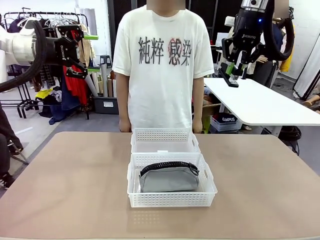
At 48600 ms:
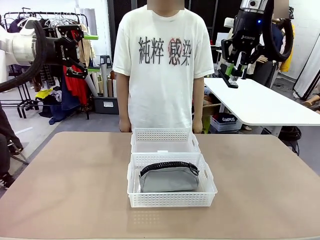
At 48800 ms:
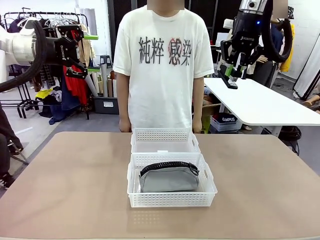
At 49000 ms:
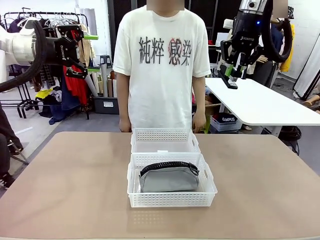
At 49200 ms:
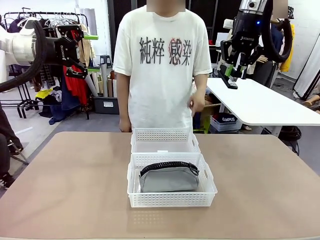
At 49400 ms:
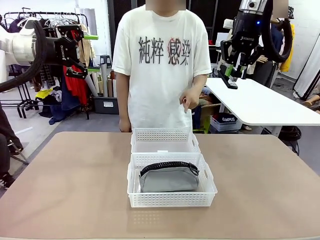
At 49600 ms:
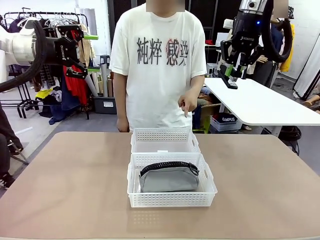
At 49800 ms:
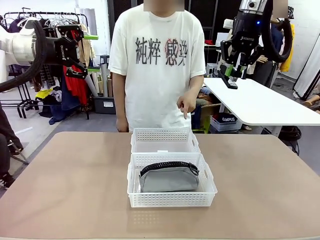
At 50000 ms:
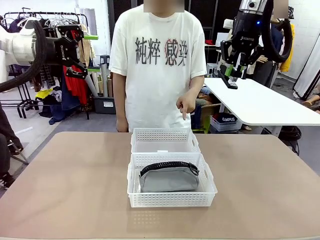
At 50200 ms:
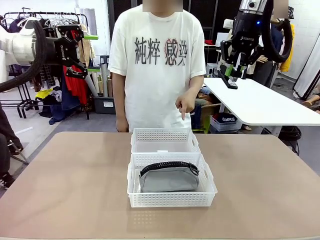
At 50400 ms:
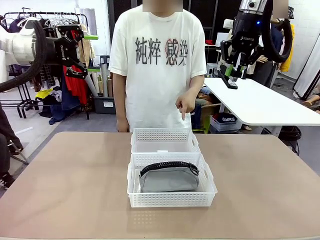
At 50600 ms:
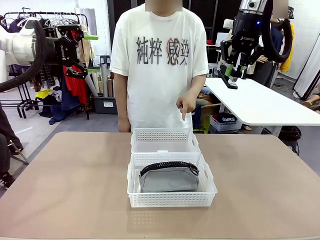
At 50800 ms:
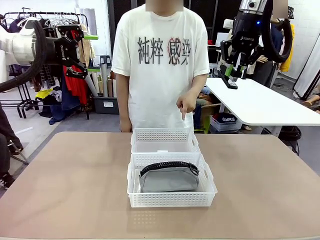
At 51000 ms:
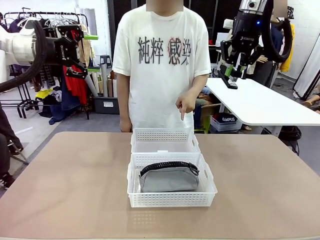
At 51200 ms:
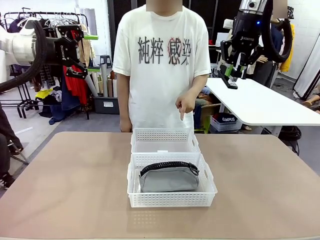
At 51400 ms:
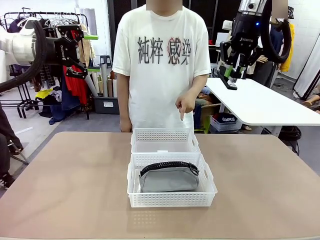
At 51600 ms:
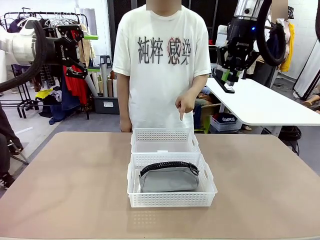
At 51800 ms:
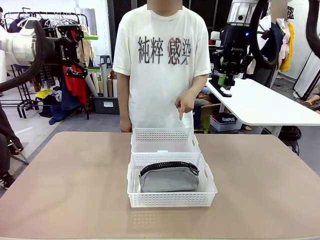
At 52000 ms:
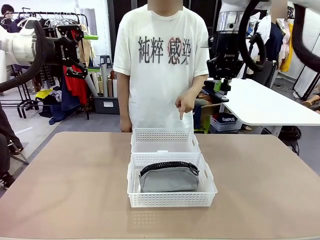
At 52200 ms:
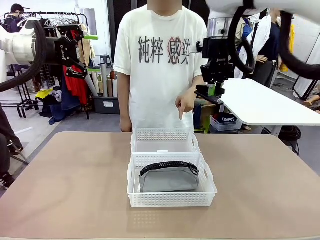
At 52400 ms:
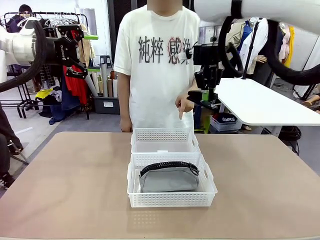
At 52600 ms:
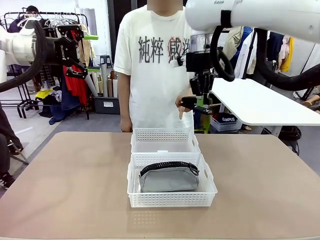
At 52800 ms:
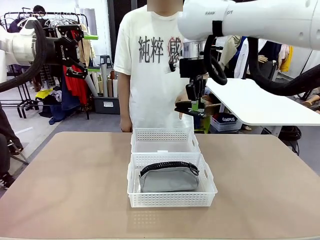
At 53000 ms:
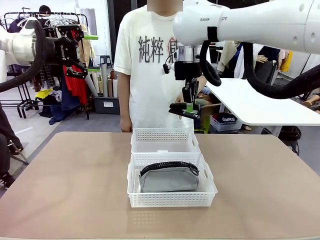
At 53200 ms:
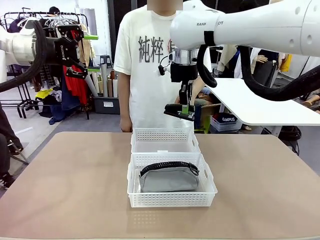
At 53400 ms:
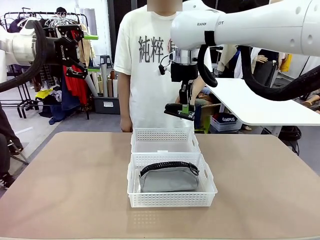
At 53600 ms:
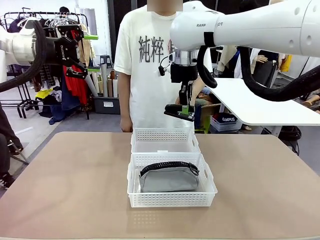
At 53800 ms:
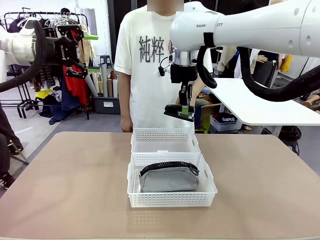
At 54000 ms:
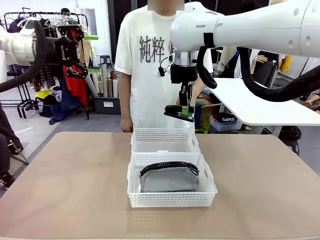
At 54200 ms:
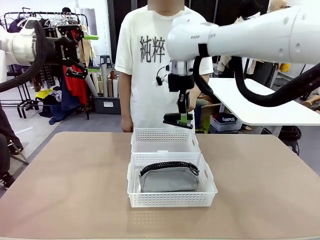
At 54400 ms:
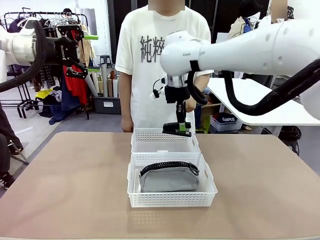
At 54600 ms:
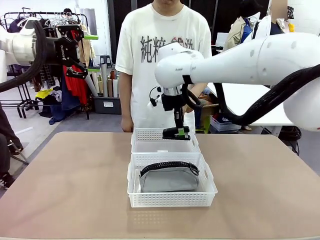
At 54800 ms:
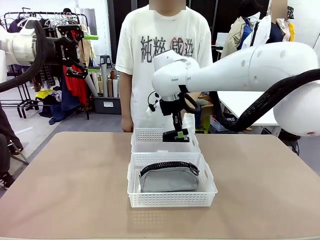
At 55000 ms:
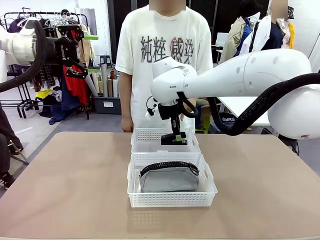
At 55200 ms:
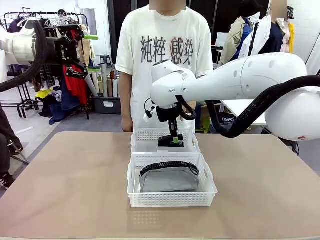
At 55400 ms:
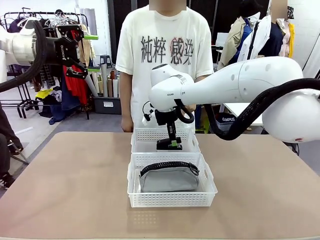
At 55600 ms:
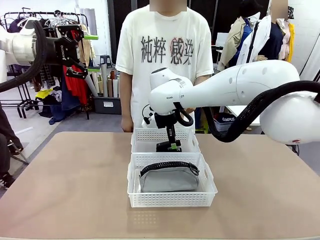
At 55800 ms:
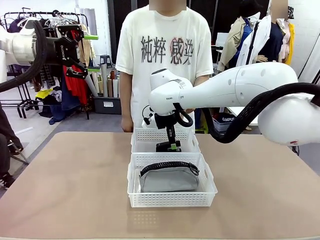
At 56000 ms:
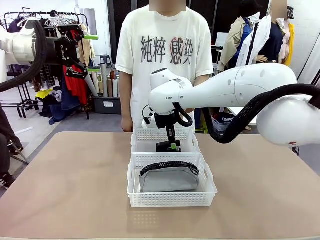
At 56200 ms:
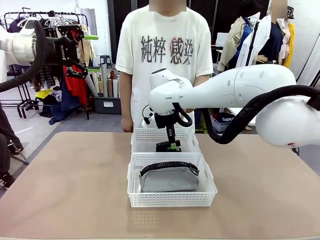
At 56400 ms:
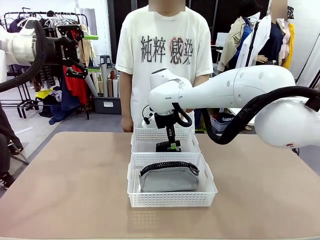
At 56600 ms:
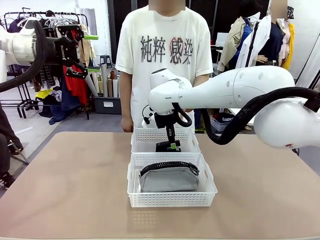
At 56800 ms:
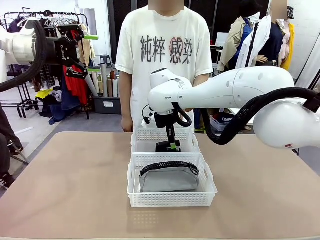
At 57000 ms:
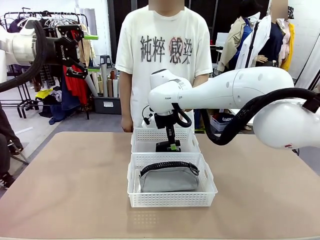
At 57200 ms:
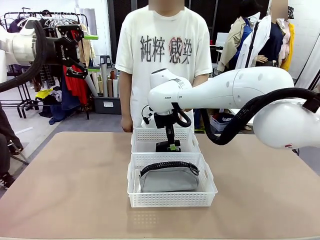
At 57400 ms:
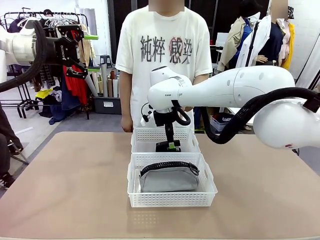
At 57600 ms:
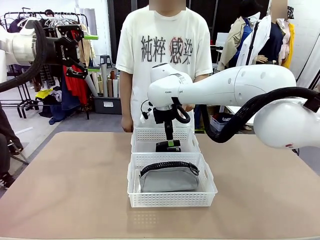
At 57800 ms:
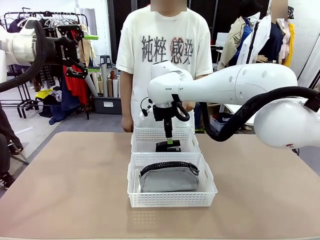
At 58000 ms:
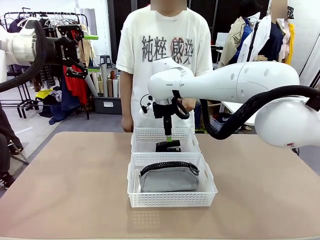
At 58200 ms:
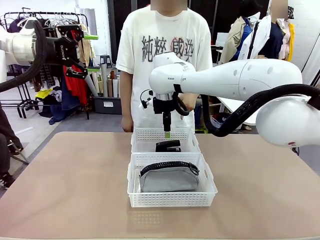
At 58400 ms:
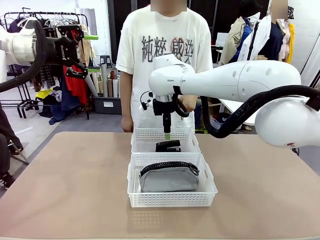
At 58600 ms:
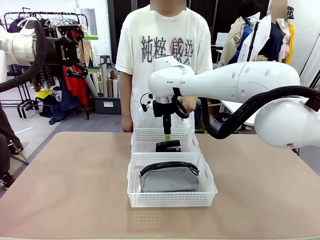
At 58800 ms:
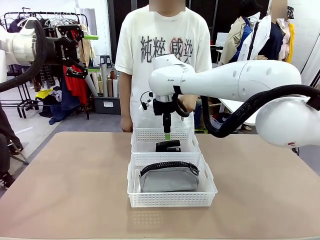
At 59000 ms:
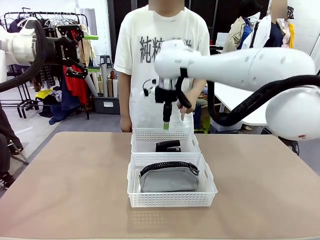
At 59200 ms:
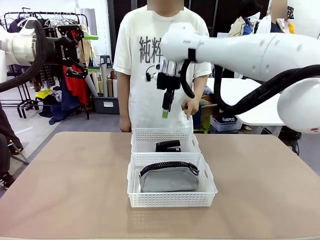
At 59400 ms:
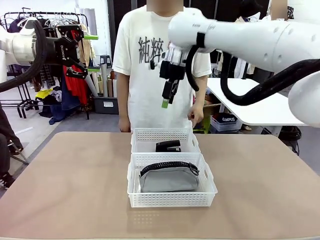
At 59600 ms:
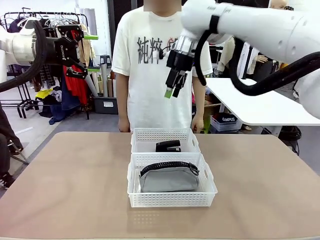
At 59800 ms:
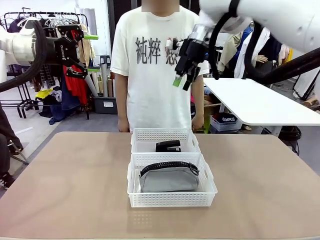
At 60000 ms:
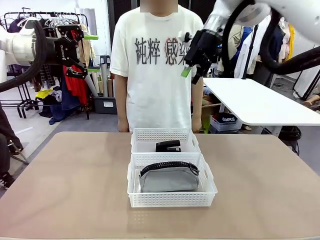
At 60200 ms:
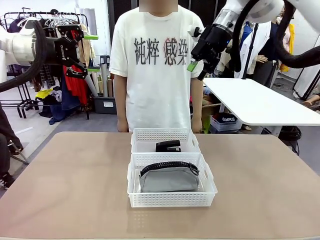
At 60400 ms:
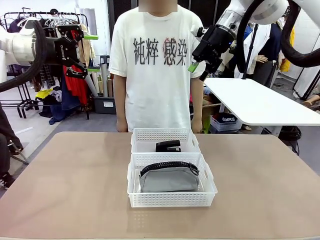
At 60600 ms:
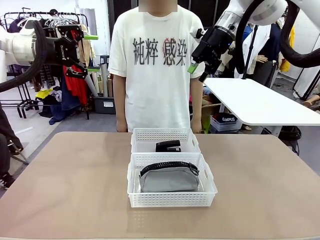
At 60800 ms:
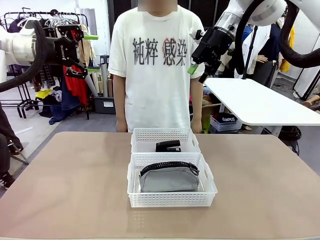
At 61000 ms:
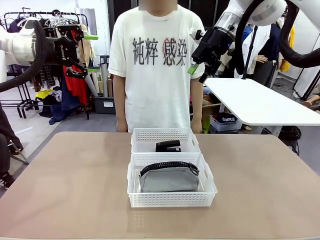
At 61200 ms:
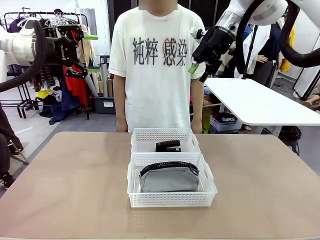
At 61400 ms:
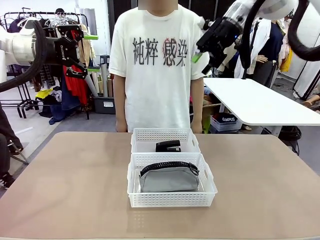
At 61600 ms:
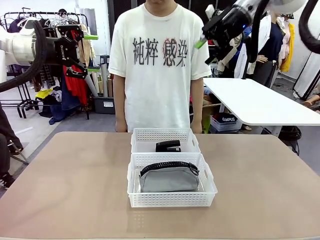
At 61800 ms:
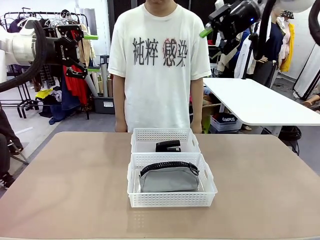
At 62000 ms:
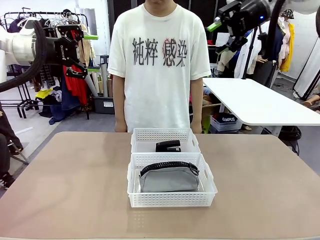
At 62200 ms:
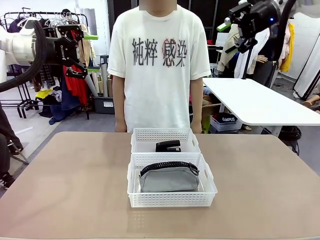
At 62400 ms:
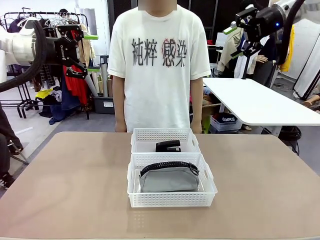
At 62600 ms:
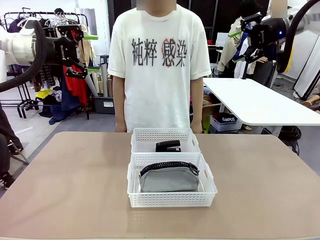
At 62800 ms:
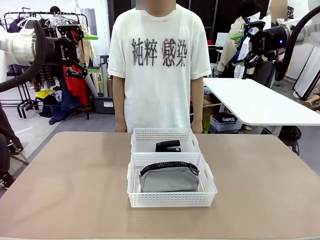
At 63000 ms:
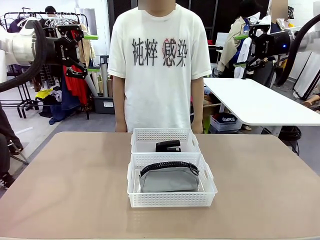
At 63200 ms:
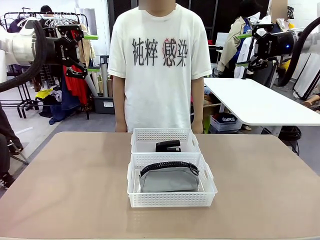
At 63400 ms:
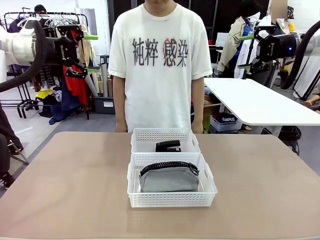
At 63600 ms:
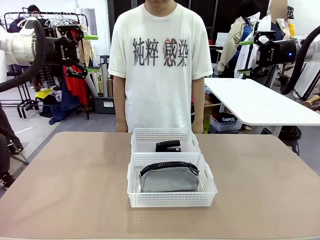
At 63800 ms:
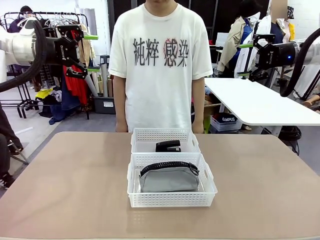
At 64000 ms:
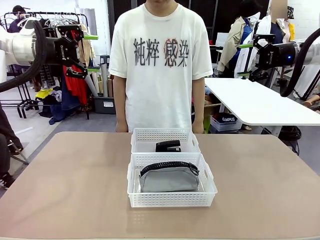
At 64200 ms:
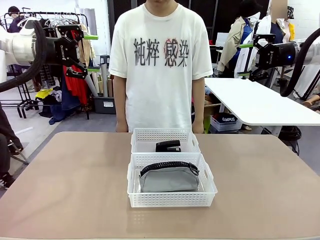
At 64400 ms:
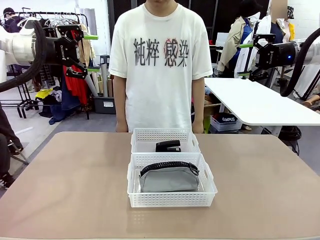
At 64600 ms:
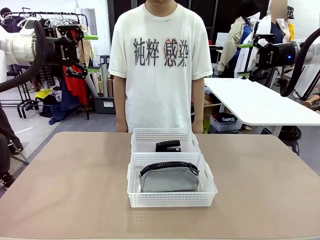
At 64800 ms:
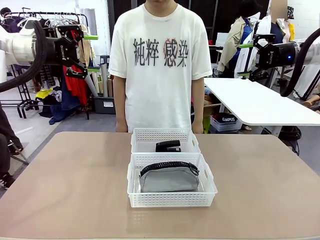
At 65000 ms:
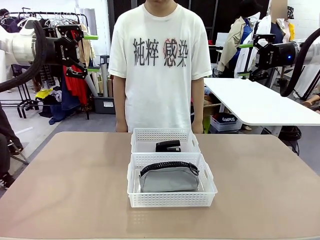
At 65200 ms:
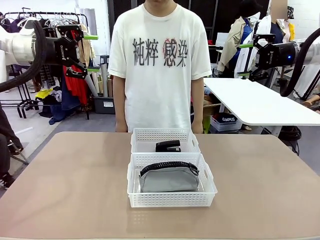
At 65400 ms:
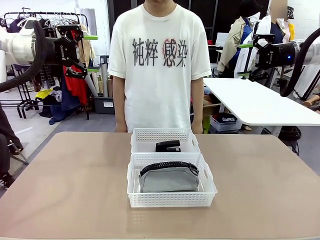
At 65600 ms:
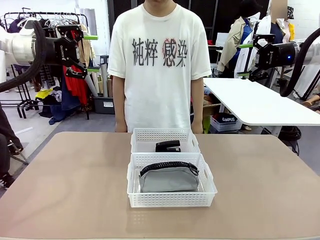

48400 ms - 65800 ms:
Task: Distribute items into two baskets.
Robot: Place the picked Stapler into the Organizing basket as instructed by the person.
Person: Points to the basket that does not contain the pencil case and instructs the robot to move the stapler there.
